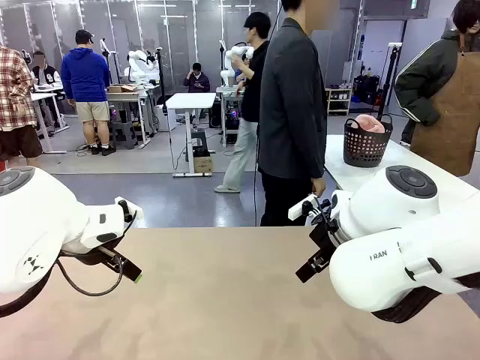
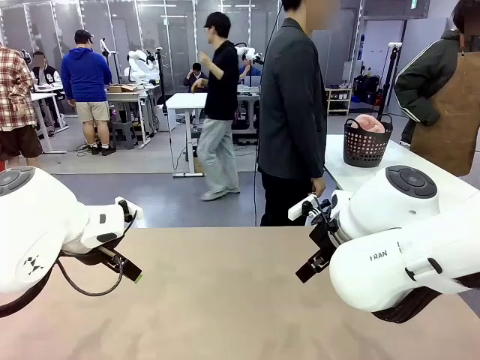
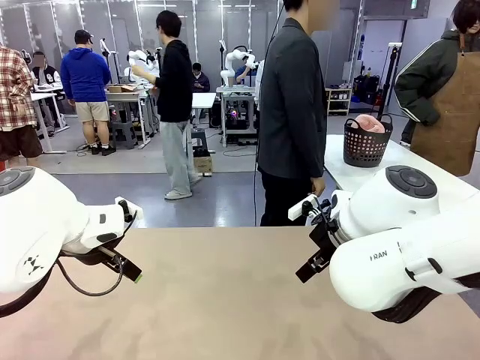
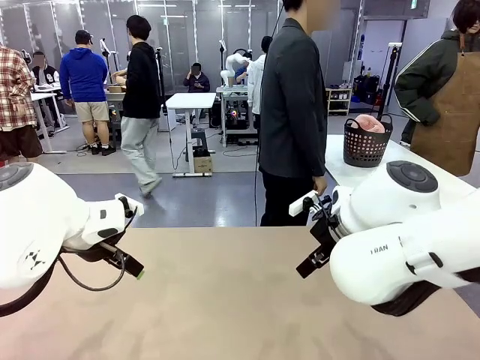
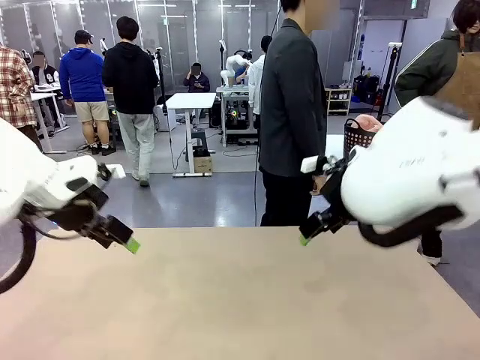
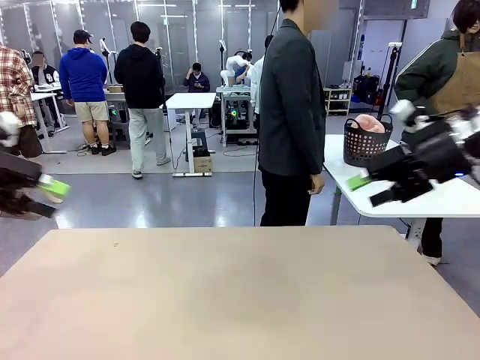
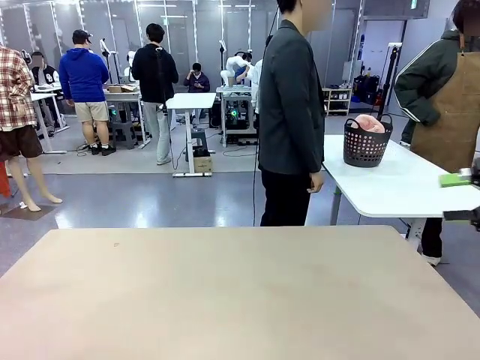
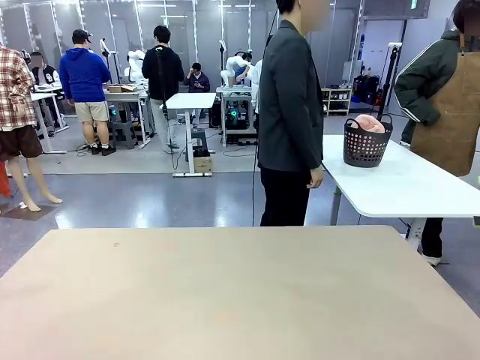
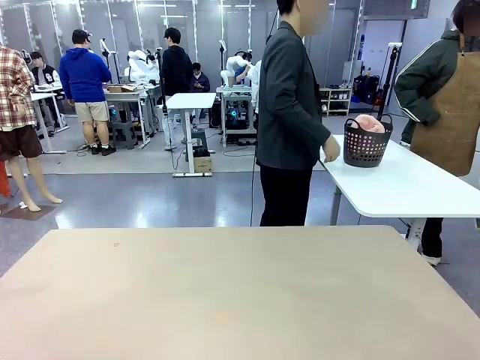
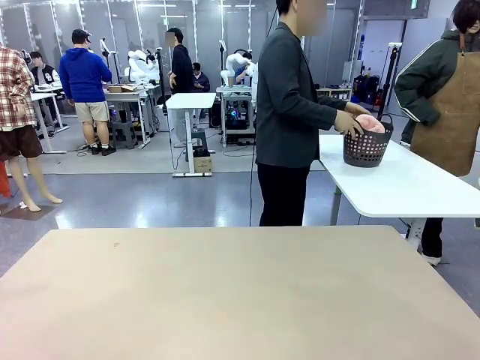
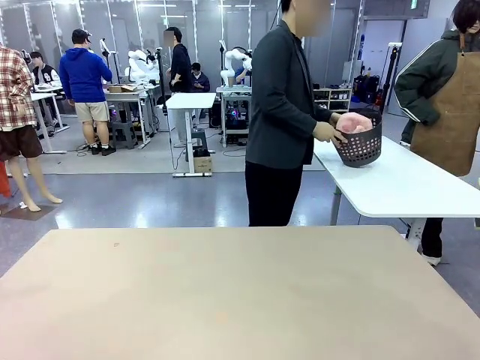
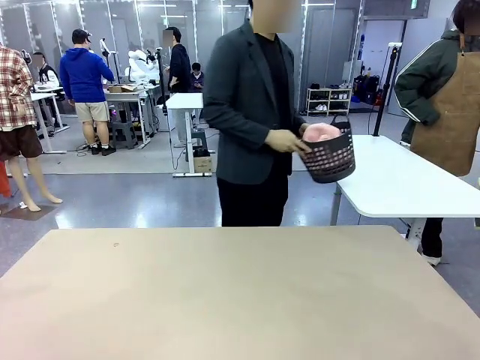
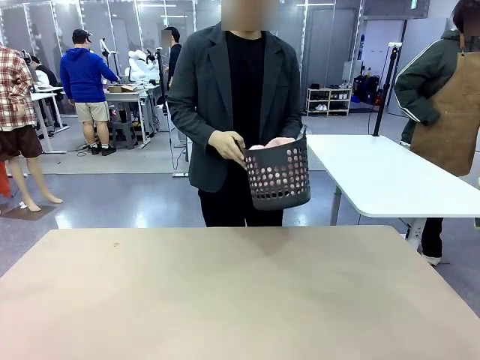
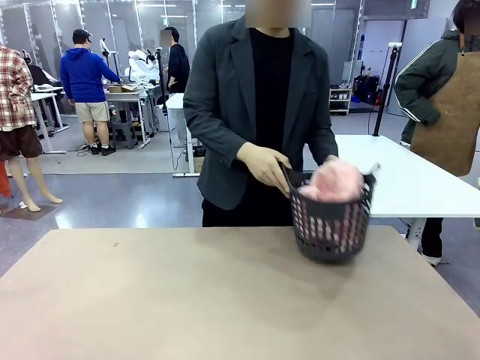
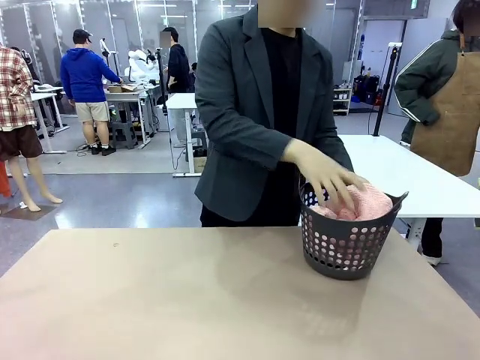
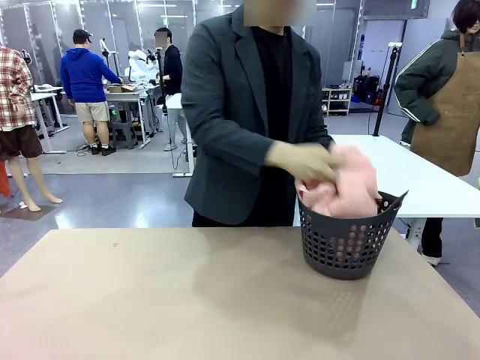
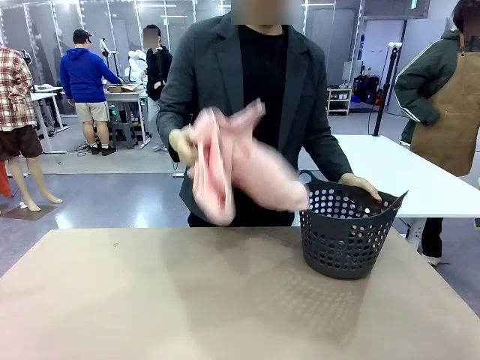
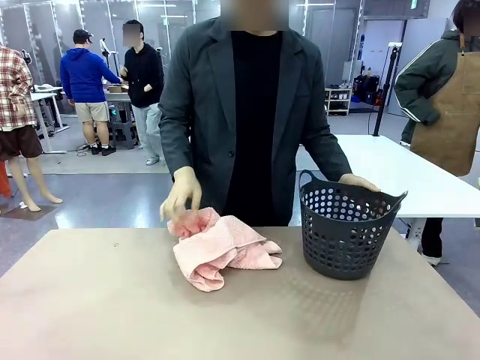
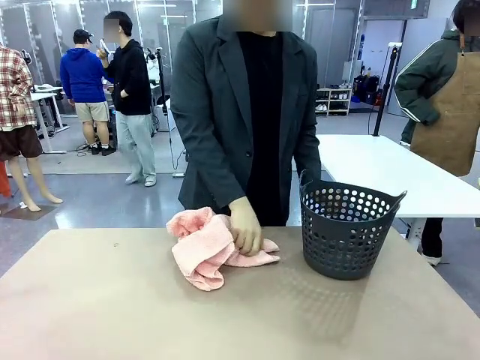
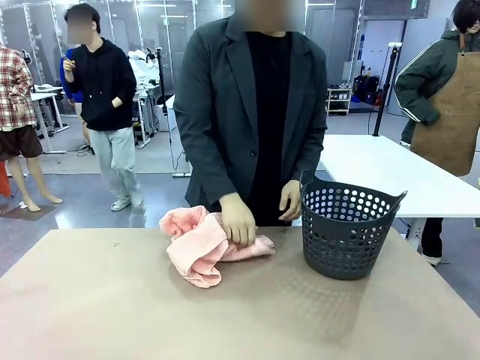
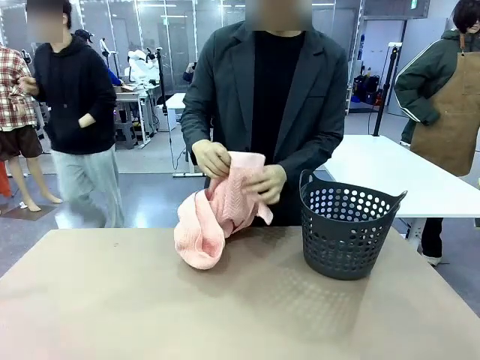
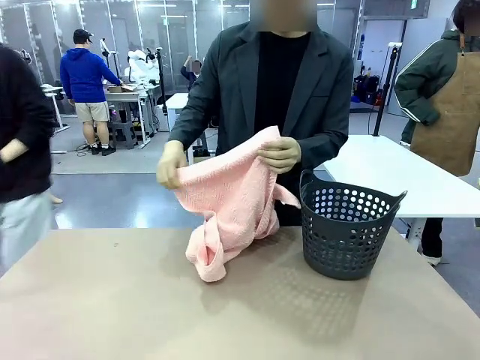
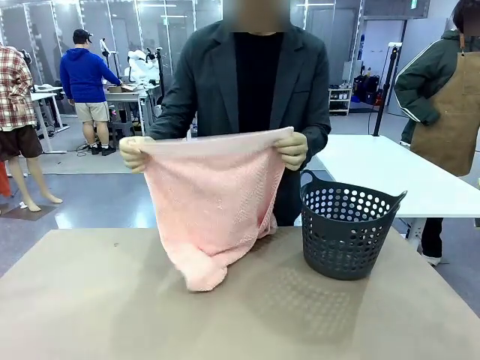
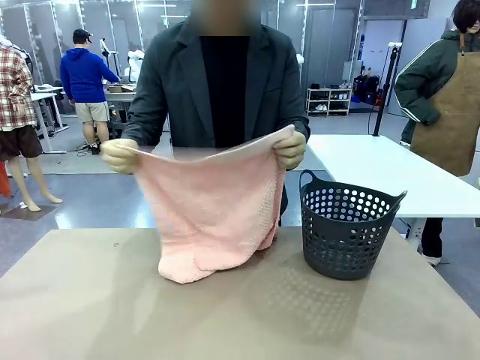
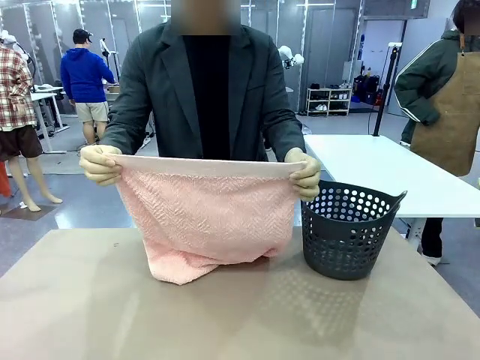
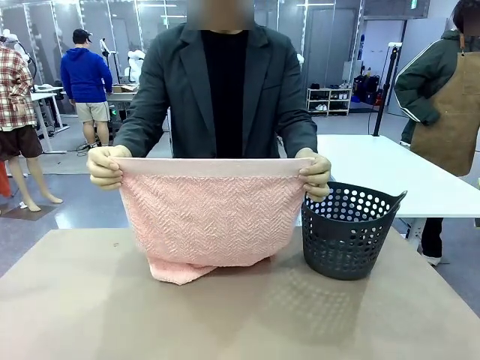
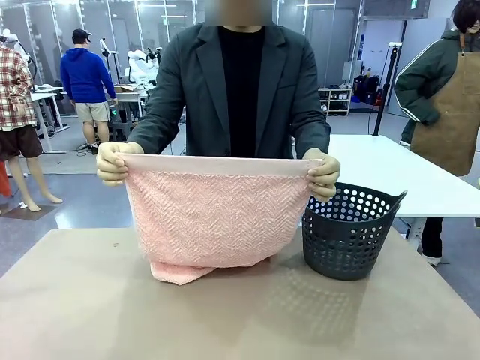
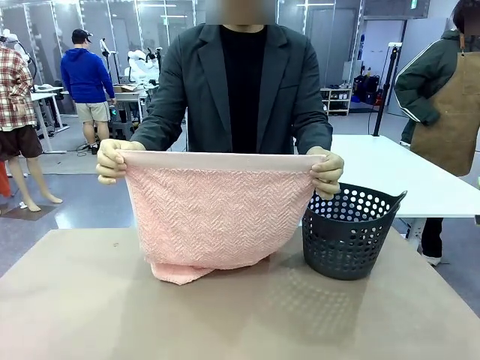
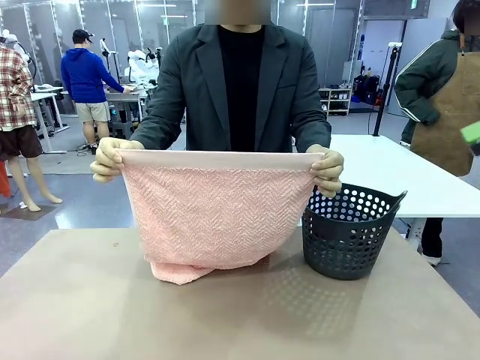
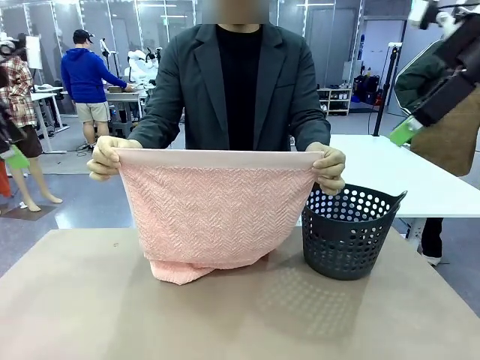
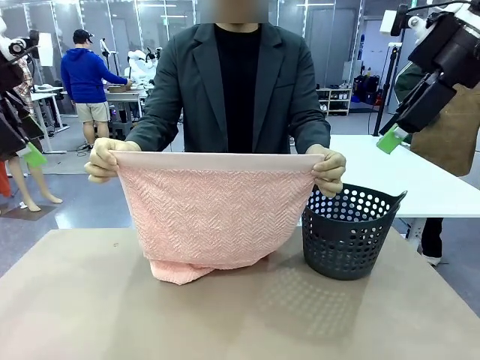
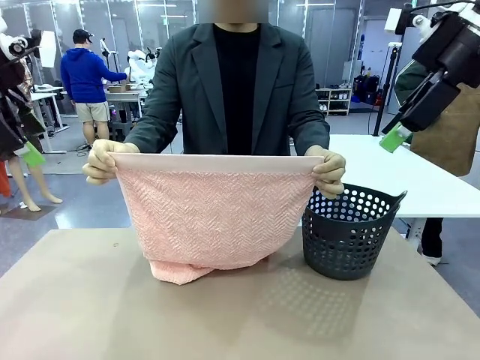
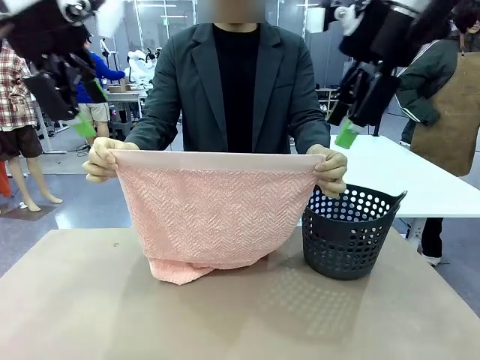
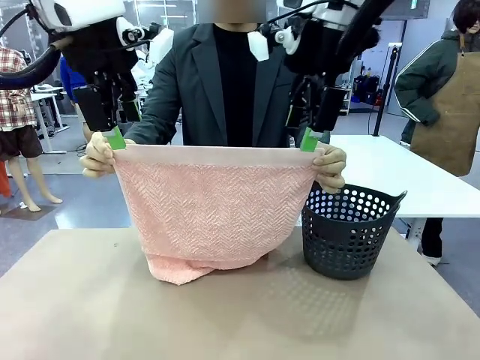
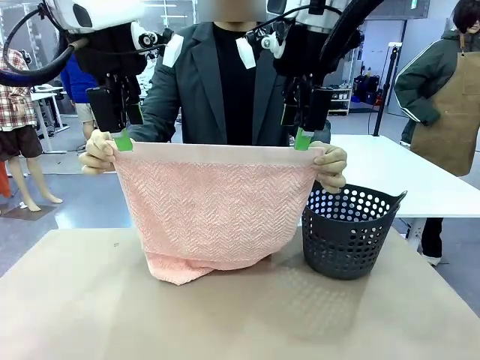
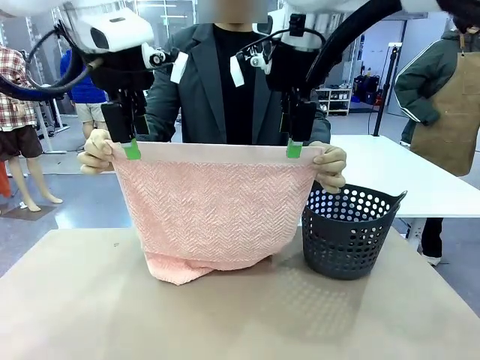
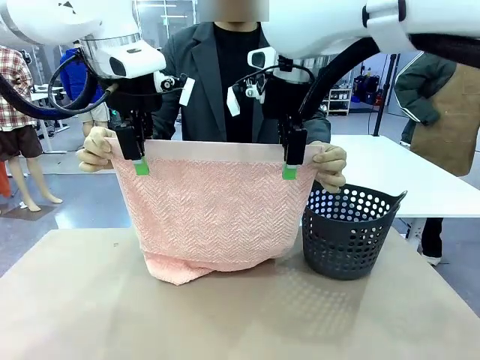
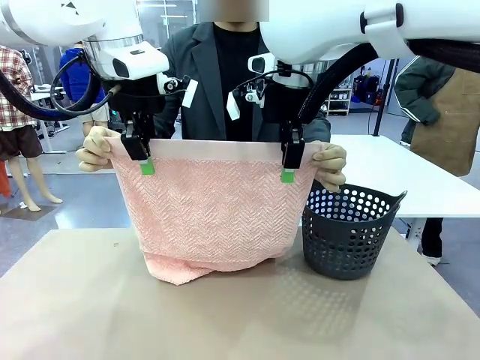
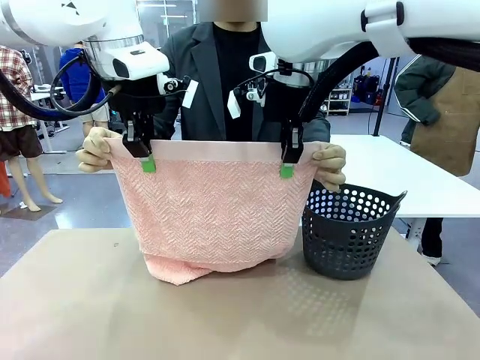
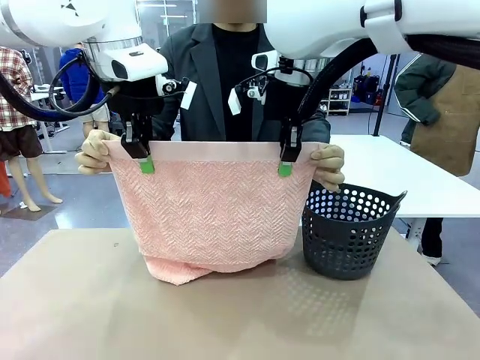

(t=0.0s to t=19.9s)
Task: Fold the towel.
Robot: Grab the top end of the 100 cm Hotel Towel extended by the human.
Person: Pick up the laundry basket, place it on the left side of the robot table, then take out a towel and hand it to the robot while holding both corners of one end.
